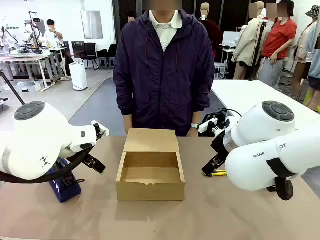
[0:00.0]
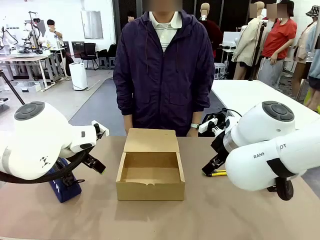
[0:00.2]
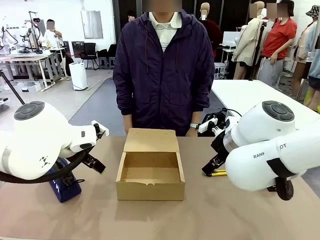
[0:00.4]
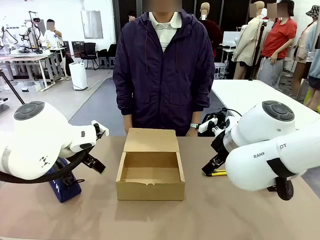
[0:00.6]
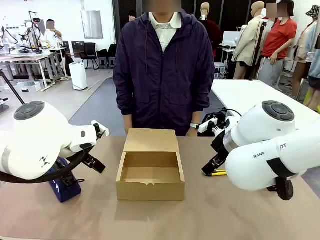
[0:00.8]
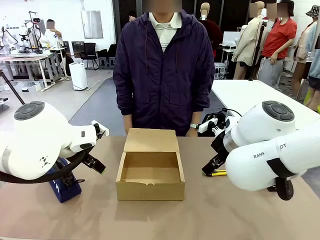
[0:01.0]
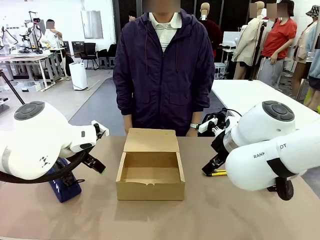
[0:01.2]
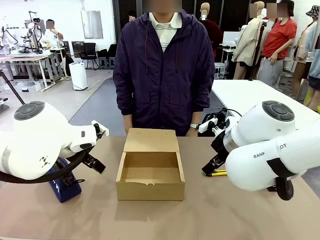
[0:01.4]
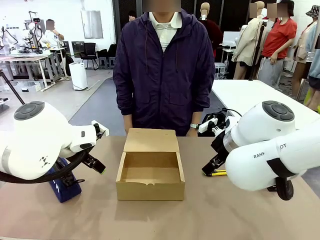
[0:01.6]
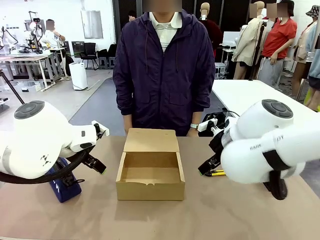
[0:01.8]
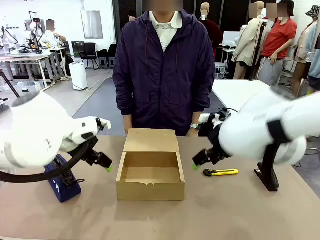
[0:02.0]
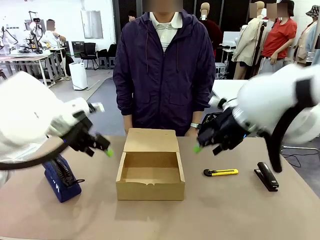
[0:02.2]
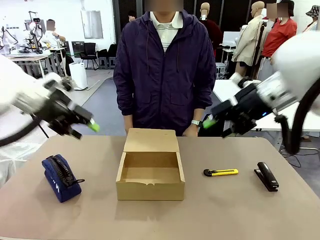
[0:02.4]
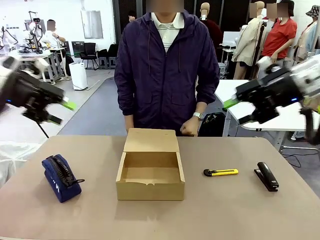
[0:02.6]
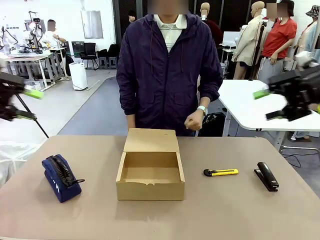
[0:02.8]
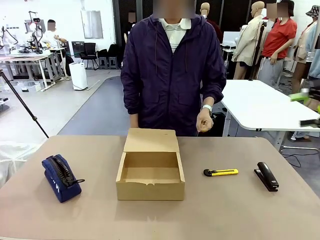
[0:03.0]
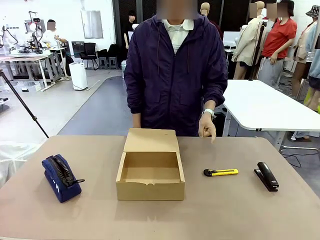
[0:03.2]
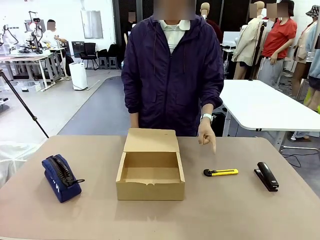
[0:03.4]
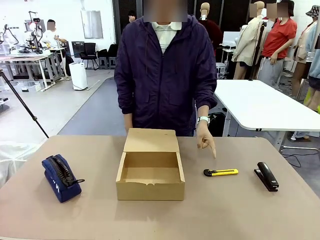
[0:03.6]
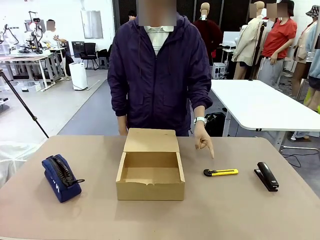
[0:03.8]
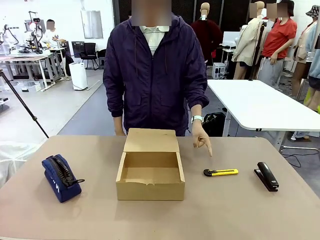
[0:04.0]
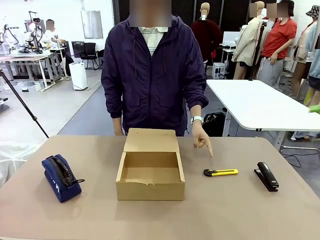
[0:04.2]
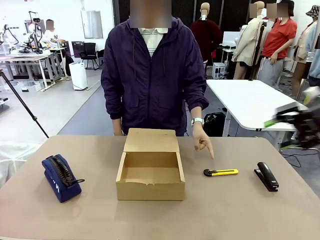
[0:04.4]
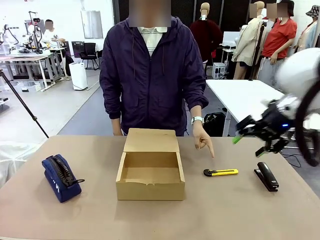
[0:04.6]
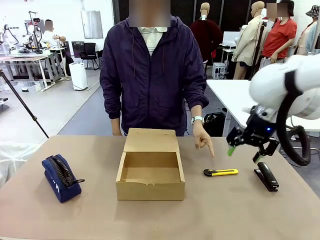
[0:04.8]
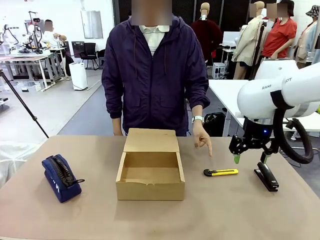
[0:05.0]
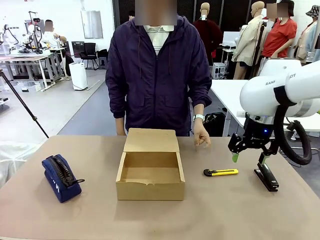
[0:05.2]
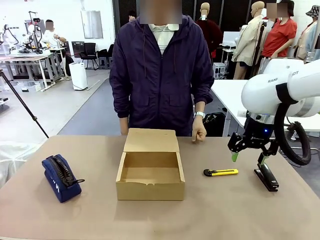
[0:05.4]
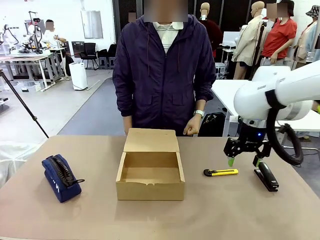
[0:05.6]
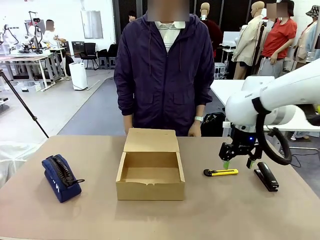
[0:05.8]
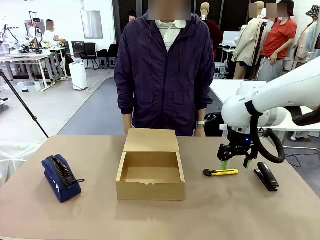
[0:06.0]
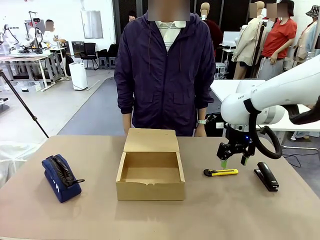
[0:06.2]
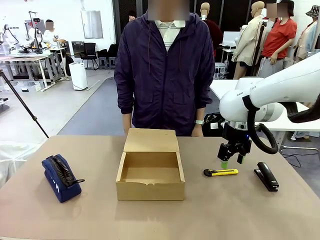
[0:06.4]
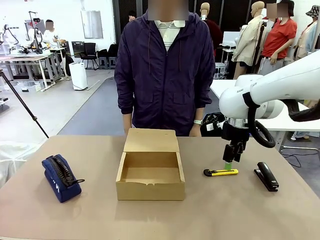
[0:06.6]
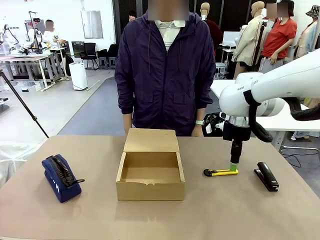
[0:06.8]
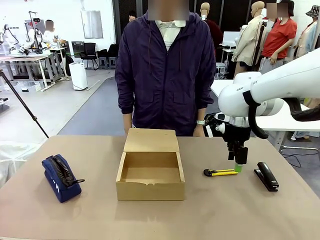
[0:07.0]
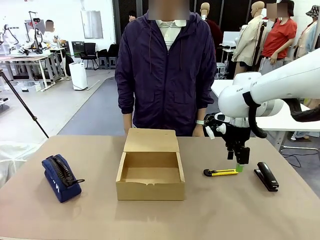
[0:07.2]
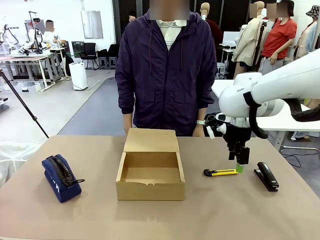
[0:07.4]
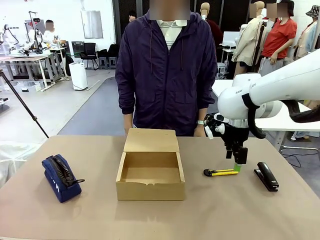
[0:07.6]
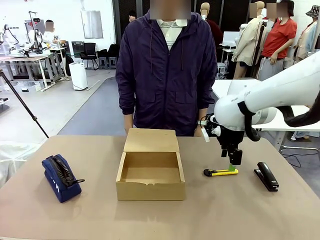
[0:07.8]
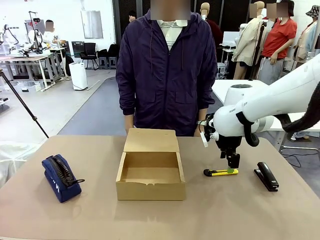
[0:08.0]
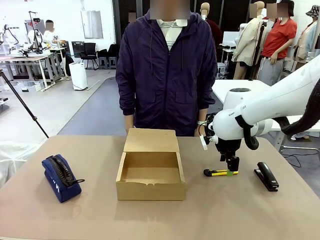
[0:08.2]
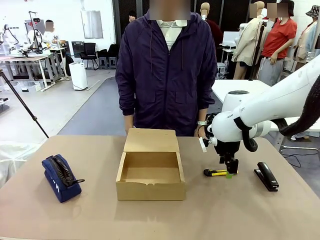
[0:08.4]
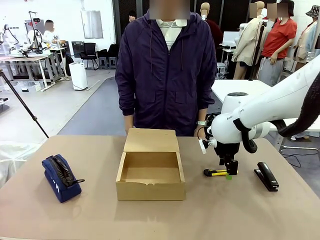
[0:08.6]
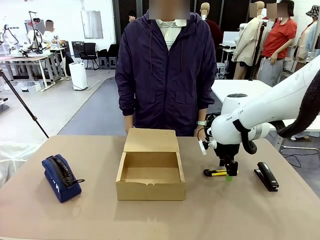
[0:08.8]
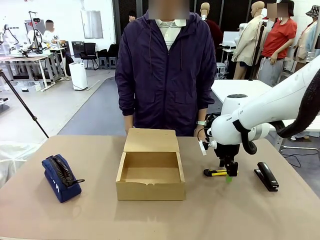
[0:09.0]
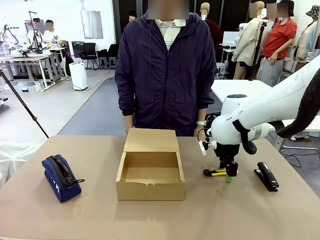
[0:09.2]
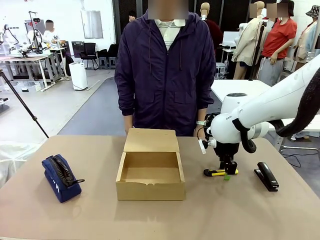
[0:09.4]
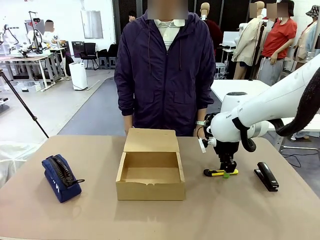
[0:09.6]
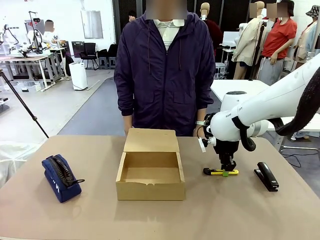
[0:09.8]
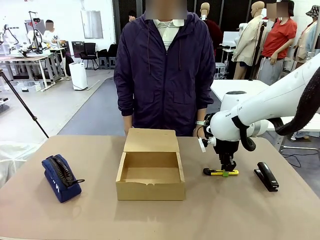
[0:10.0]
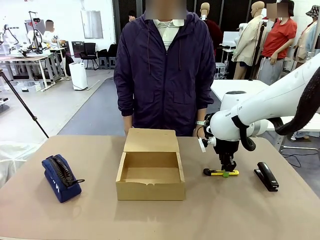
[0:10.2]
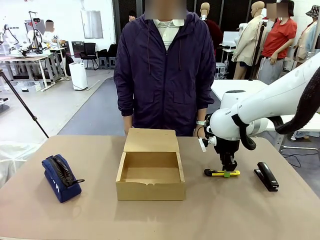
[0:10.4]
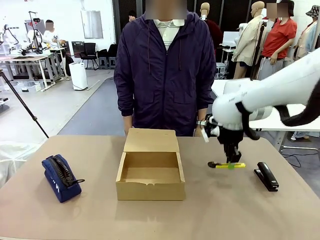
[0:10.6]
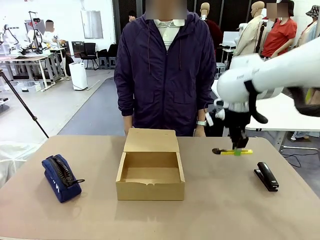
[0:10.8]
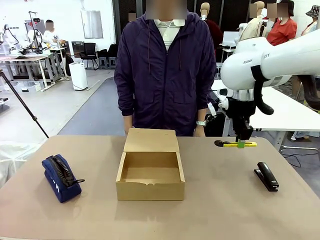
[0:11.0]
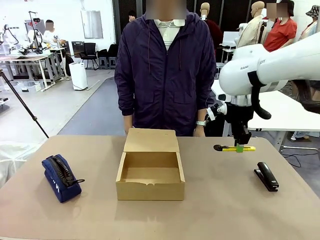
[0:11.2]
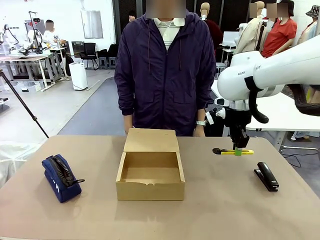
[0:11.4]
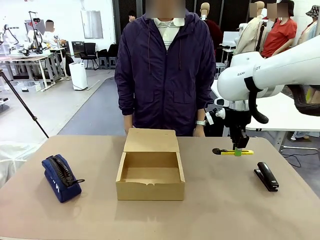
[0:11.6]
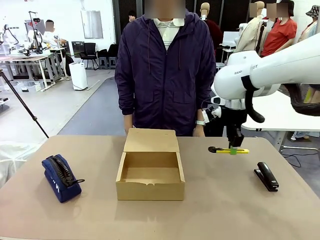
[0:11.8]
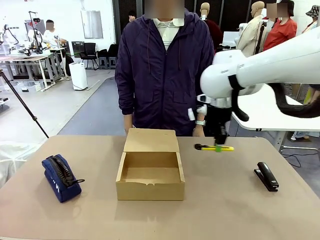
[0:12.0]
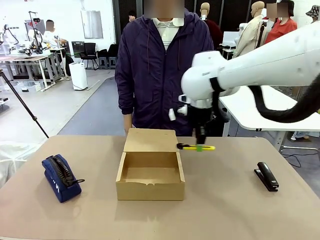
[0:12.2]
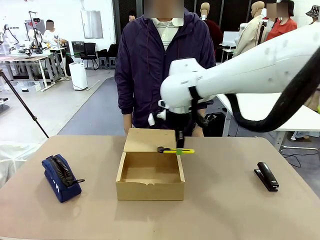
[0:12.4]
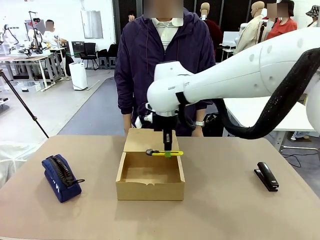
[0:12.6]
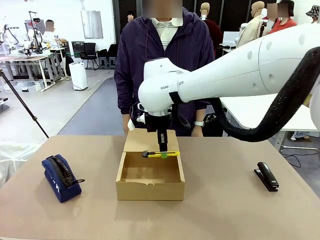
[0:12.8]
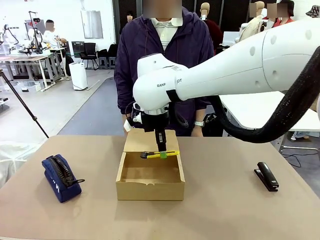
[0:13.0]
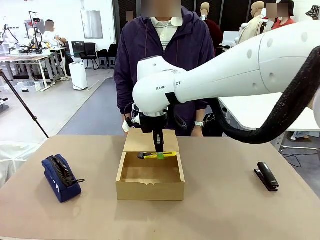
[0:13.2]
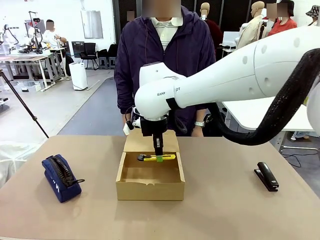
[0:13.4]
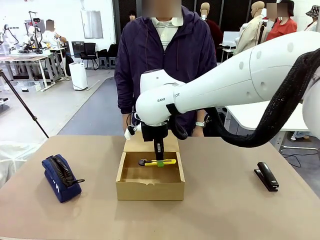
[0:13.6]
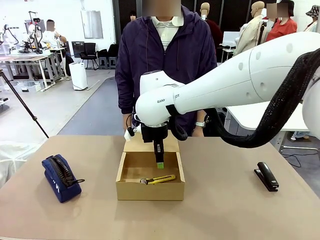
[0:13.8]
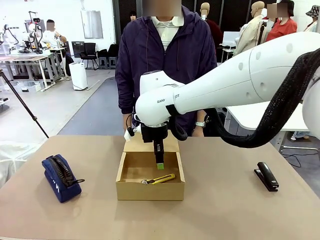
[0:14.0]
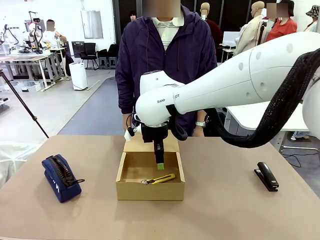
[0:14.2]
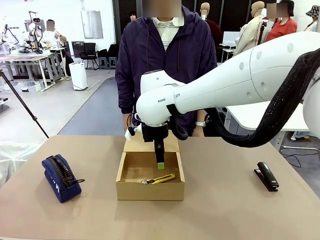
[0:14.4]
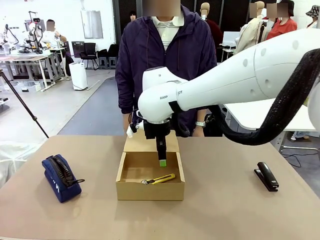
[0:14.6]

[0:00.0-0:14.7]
Task: Pack the items into the box.
Robot: Pick up the item specified by the human and place it in the Mailer Box.
Person: Point at one item on the table (excluding the box).

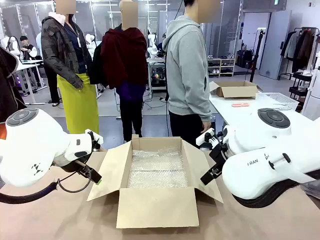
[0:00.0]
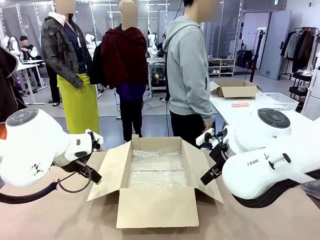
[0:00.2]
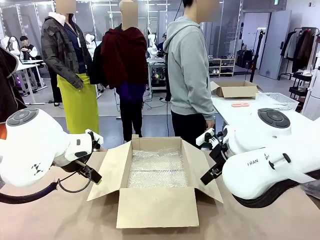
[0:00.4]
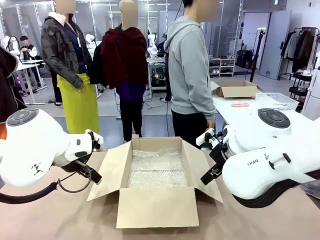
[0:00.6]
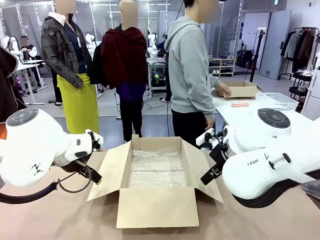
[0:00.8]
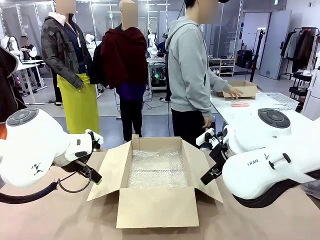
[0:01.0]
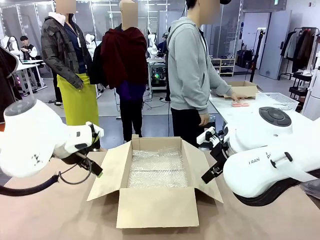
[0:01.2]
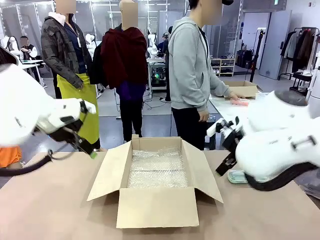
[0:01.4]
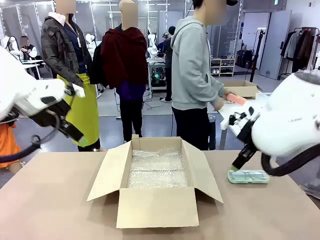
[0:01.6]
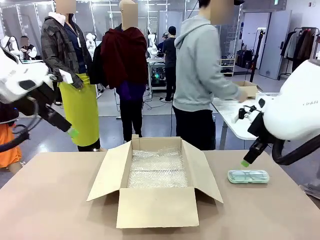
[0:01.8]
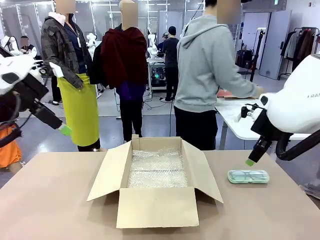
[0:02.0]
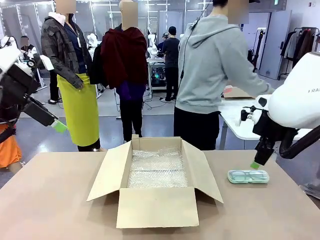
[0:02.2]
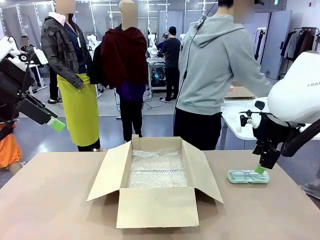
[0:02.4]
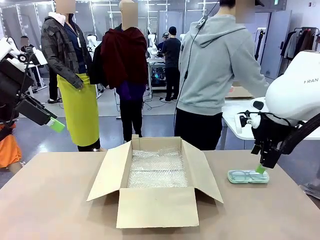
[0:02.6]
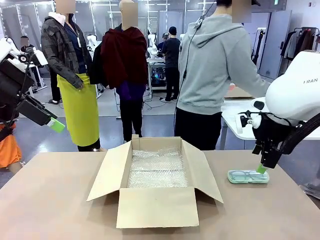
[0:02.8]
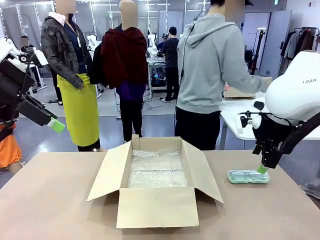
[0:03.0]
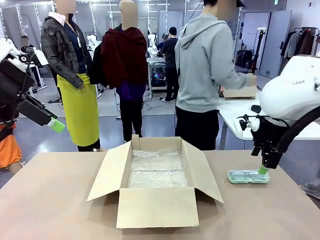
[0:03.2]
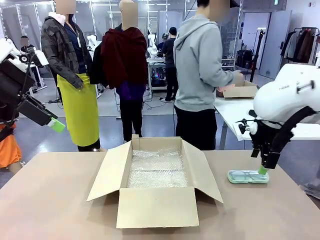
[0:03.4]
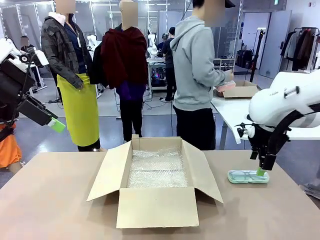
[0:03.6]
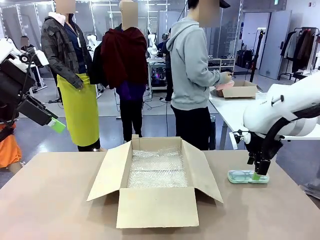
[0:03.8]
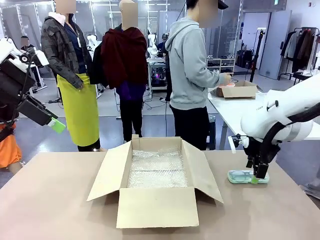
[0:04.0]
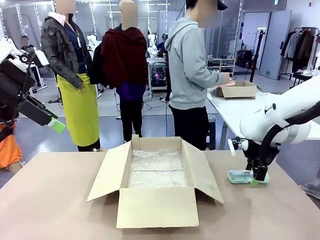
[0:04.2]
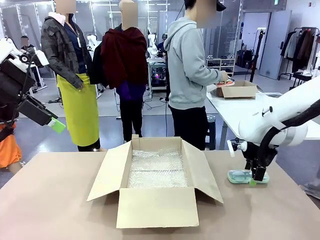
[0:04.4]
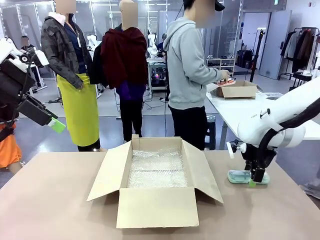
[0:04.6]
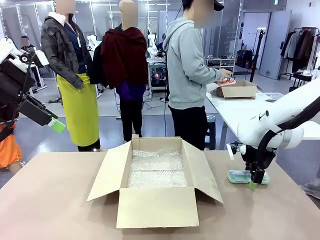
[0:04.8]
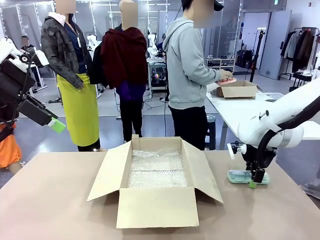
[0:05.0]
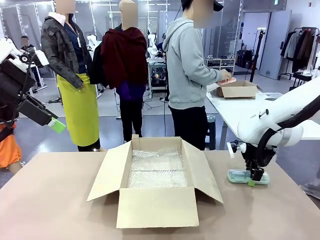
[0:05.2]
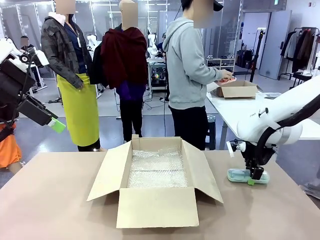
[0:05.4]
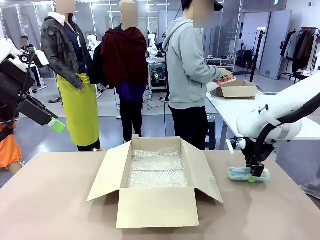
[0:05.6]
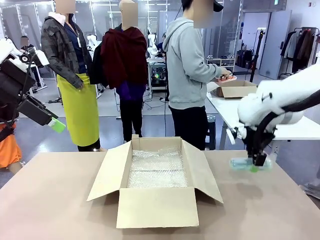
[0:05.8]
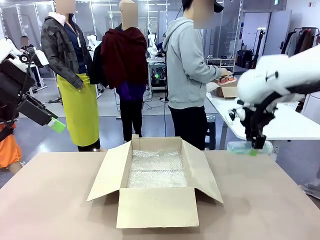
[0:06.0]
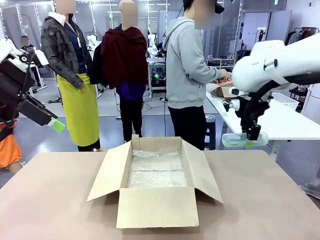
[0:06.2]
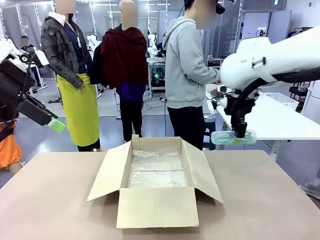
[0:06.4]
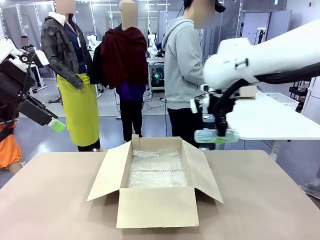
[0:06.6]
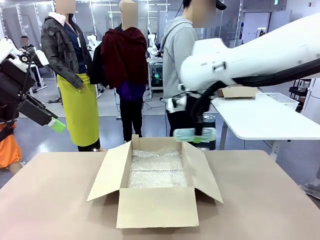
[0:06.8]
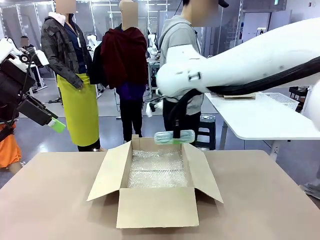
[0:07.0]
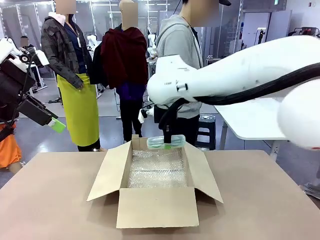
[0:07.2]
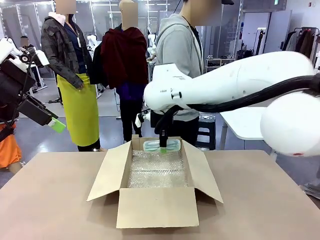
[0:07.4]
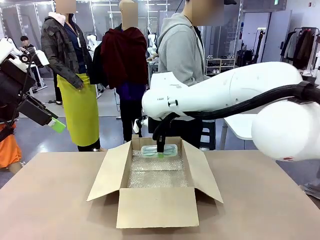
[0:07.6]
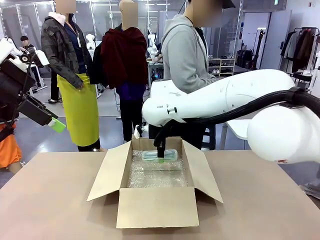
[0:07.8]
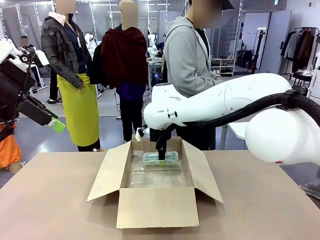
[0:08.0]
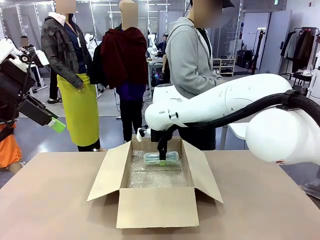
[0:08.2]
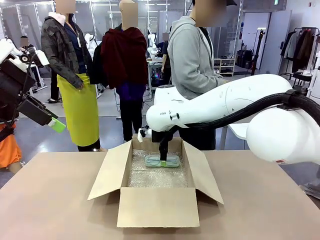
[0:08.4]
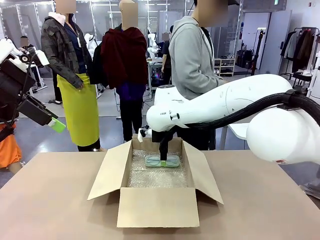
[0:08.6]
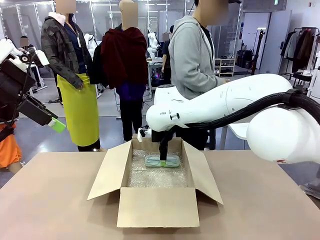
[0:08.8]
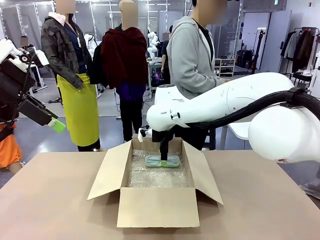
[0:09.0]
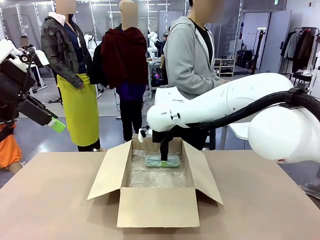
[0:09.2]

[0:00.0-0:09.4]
Task: Pack the glasses set securely to prepare it for shipping.
Robot: Place the Glasses case inside the Package Box.
Person: Place the Glasses inside the Glasses case.
